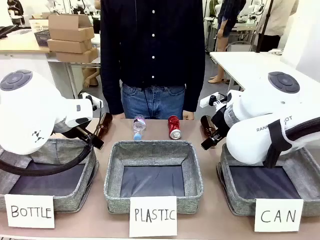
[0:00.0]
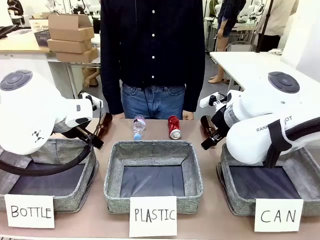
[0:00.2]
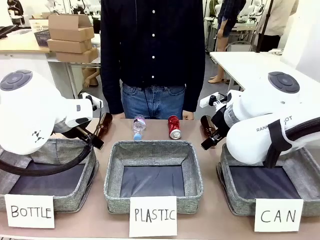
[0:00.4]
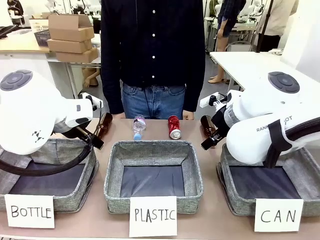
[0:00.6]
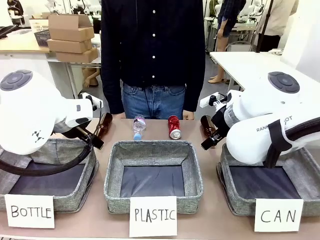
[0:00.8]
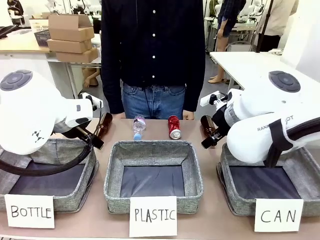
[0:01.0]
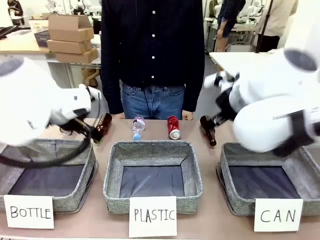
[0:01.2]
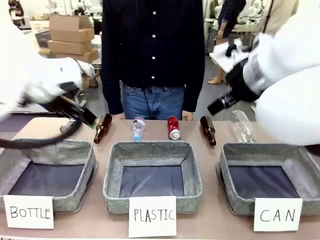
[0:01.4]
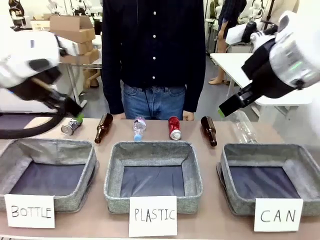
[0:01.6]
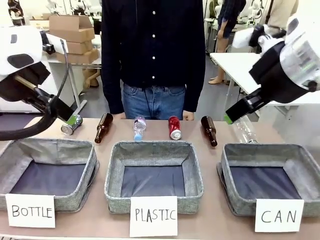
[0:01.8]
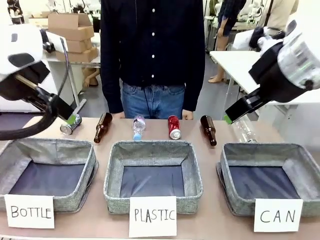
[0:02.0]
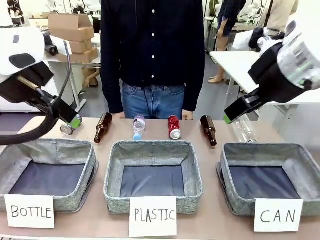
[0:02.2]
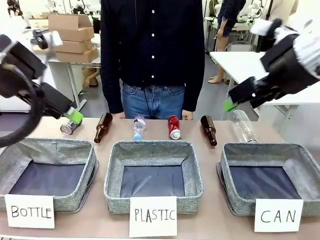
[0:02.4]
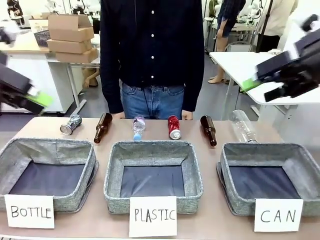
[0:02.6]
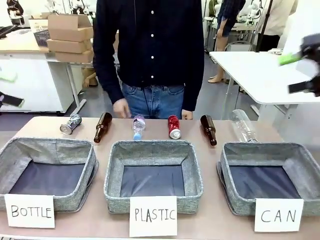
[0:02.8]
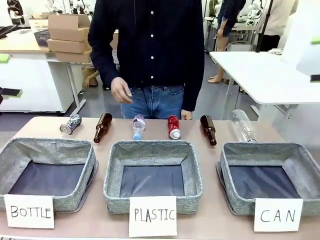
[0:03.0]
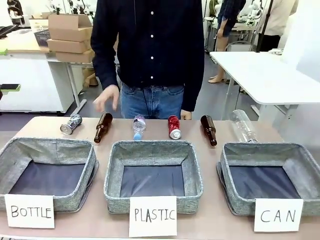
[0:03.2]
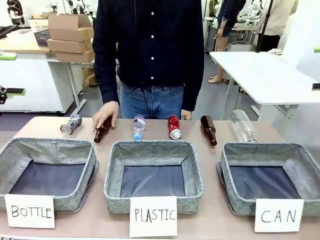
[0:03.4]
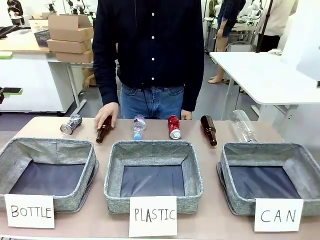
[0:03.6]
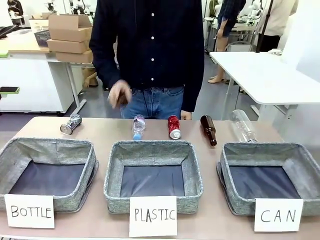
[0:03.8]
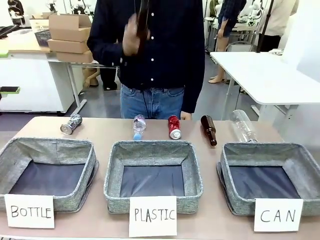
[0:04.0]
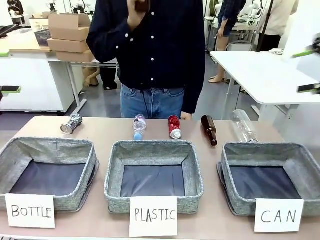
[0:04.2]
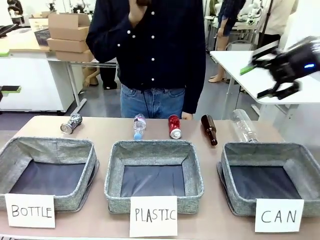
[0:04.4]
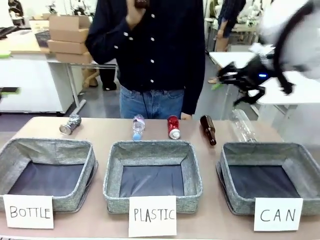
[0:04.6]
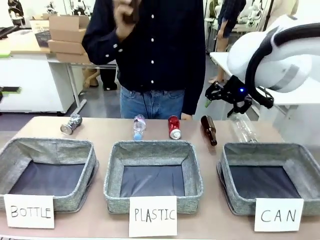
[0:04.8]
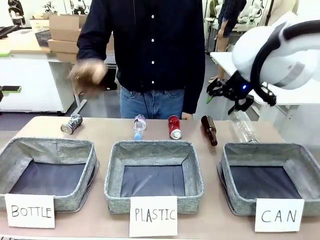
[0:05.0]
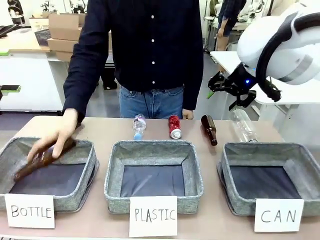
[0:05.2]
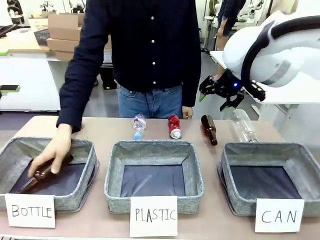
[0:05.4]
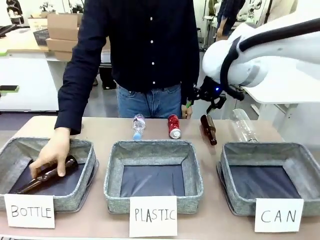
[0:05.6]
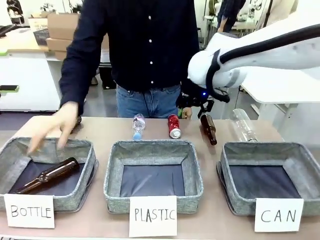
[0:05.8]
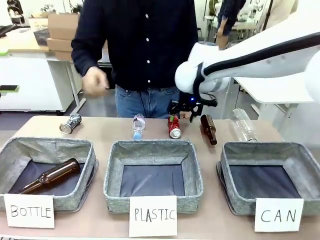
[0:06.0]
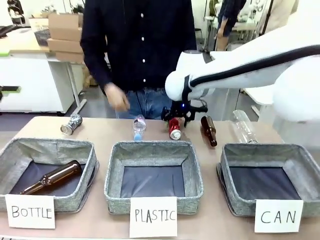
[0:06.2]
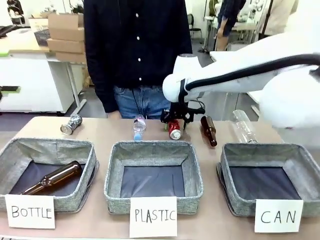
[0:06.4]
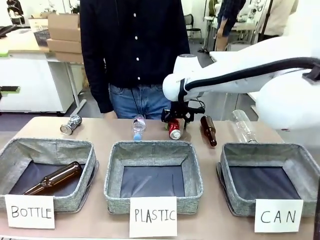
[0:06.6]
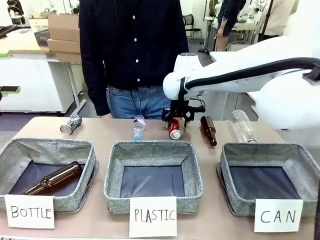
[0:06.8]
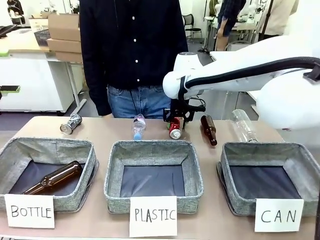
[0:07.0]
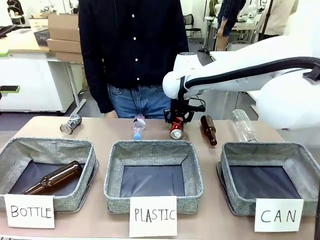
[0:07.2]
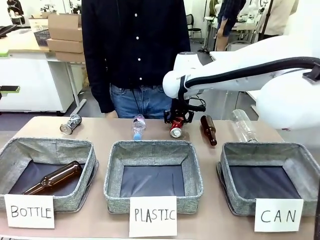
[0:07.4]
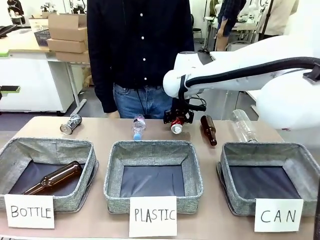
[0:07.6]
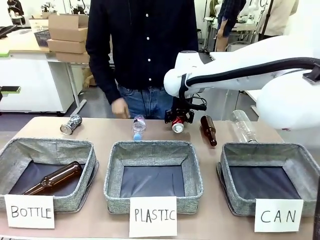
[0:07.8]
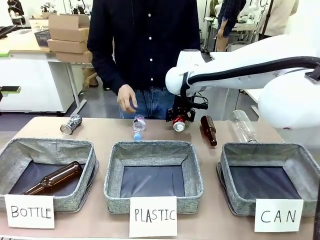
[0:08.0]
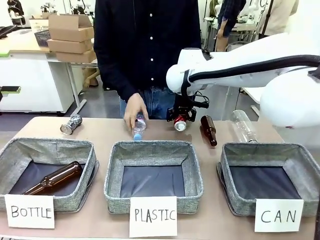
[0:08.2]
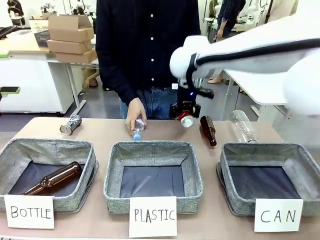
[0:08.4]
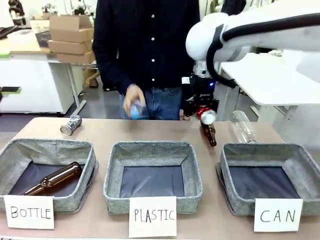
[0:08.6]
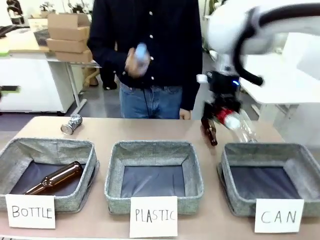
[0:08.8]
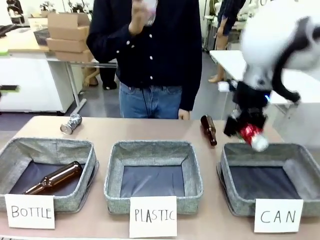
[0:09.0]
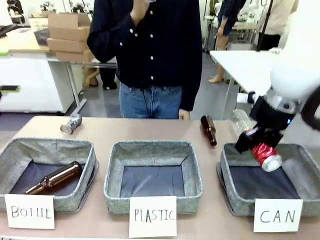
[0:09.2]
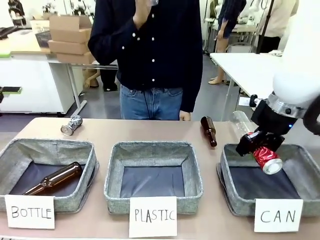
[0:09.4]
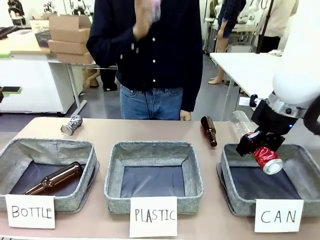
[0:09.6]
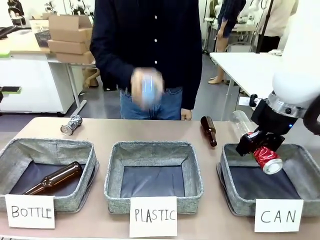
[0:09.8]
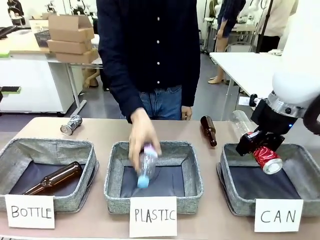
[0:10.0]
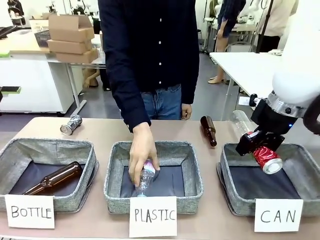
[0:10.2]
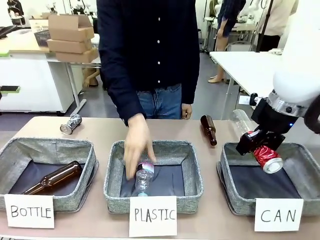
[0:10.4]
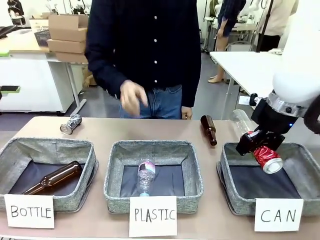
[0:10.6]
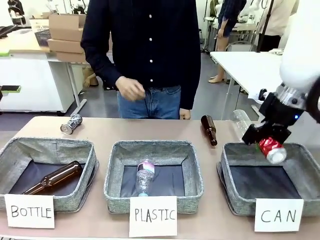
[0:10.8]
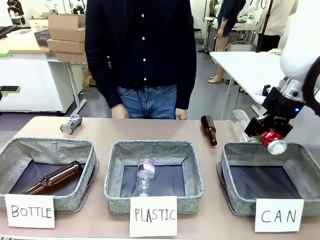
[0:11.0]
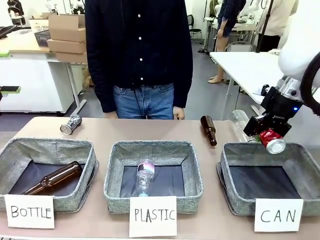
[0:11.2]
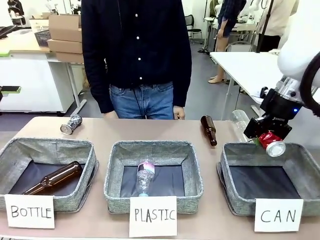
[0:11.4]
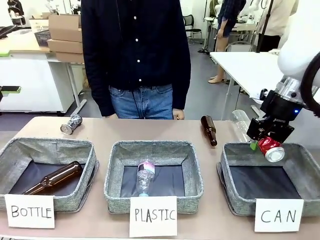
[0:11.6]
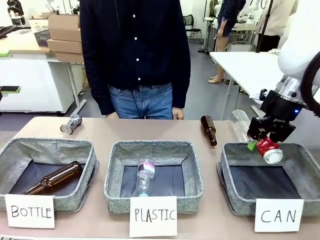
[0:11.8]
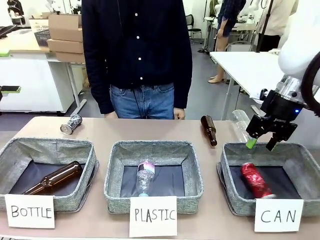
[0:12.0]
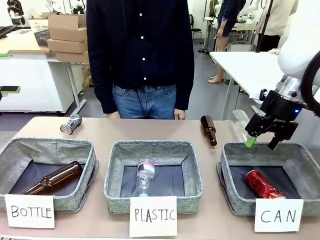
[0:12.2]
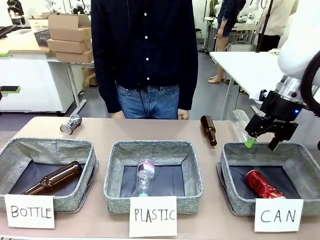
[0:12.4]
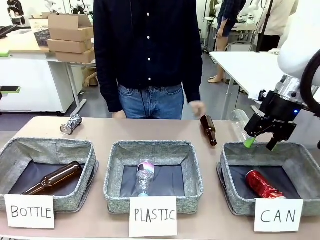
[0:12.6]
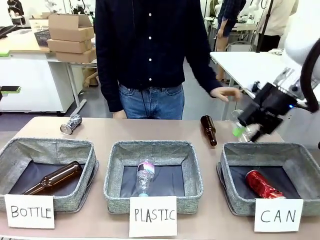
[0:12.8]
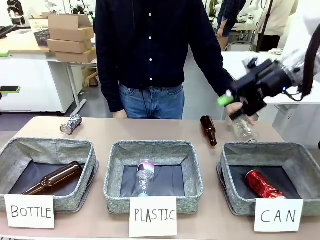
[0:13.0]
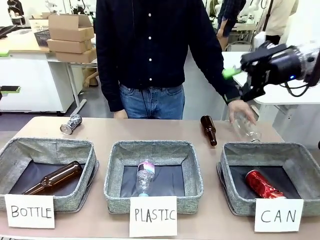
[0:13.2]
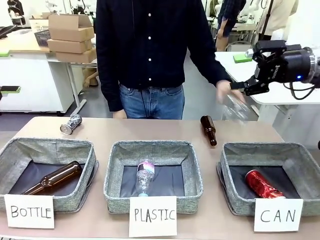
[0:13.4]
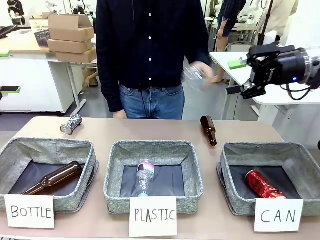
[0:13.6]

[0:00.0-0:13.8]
Task: Sort the can waste into the basket.
Robot: Pick up the can waste from the table and place it in the right Fabric basket.
